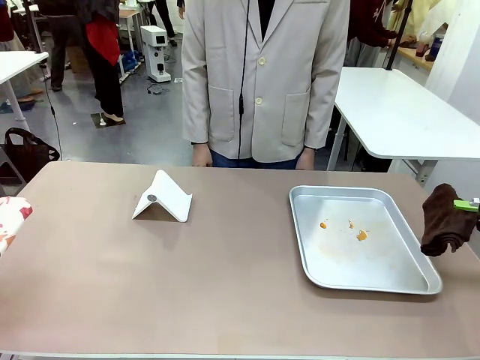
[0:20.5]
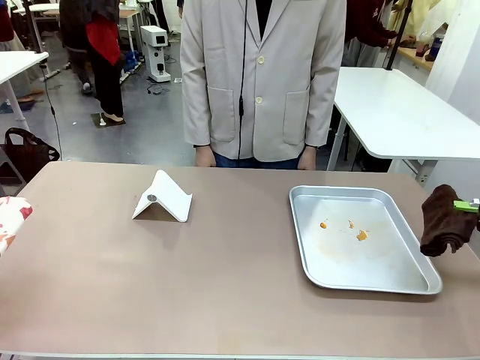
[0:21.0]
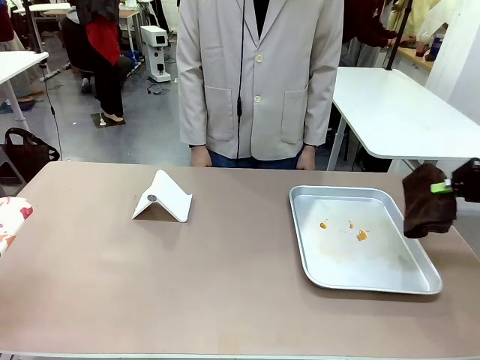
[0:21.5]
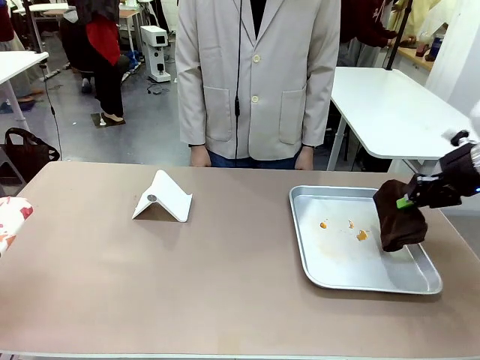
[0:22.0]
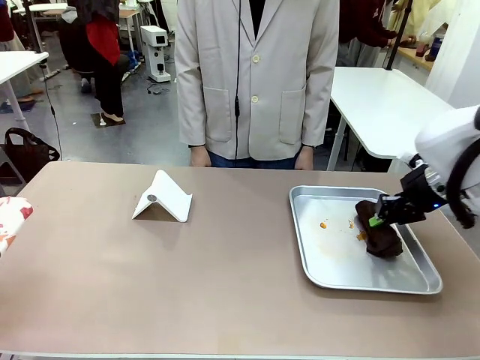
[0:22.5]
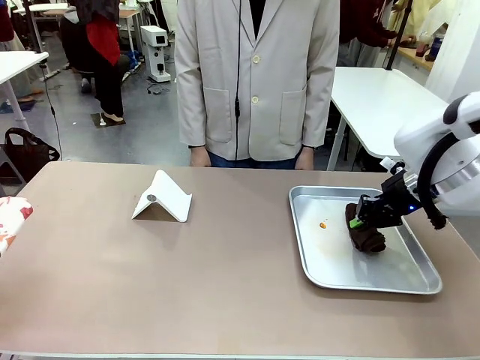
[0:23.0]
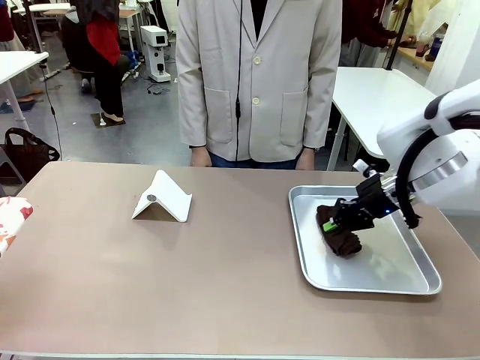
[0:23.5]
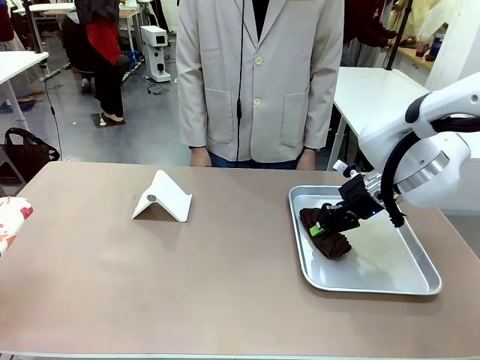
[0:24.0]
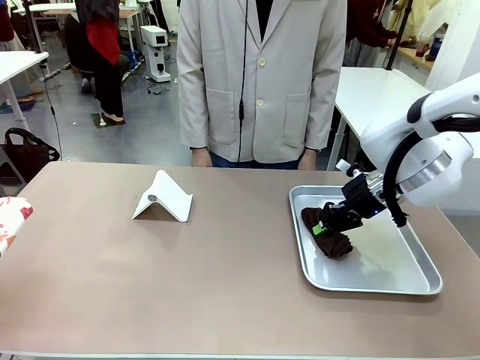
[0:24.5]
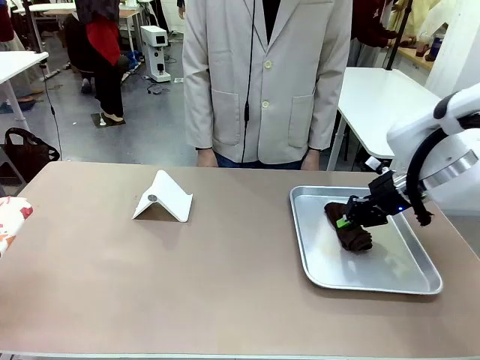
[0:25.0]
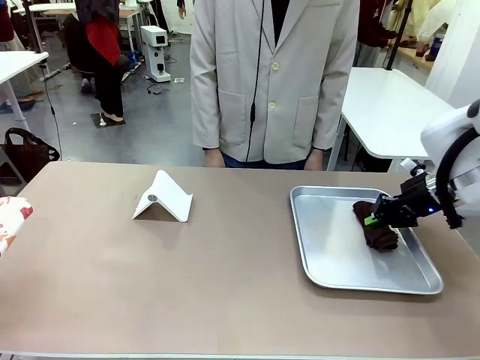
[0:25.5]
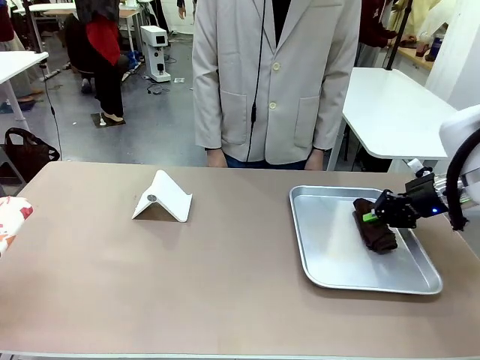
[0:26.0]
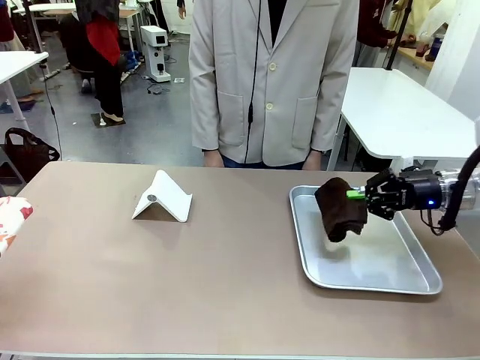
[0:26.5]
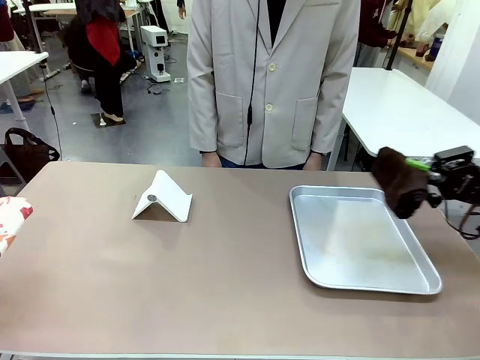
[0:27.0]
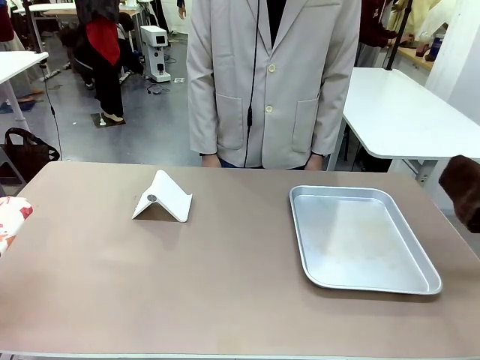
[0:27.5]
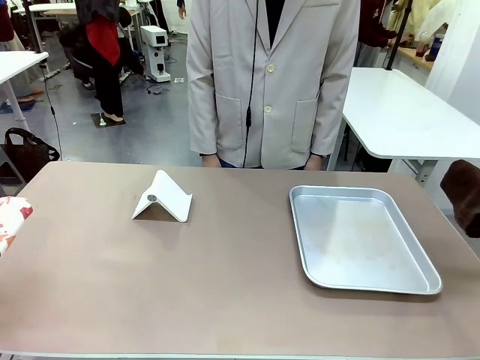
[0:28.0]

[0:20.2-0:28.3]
Task: Clean the surface of the table.
Robot: Clean the area not pointed to by the person.

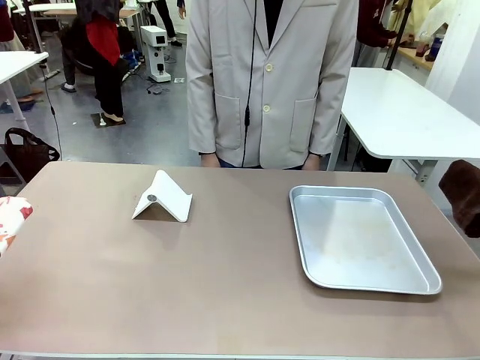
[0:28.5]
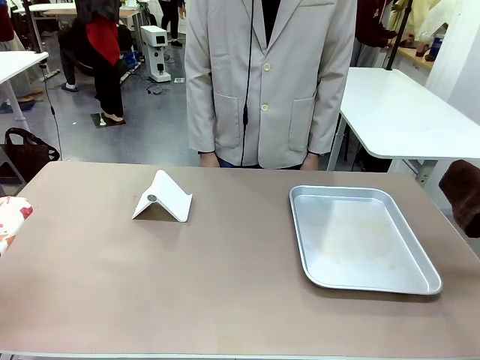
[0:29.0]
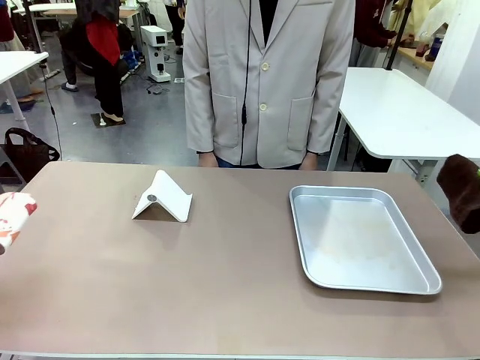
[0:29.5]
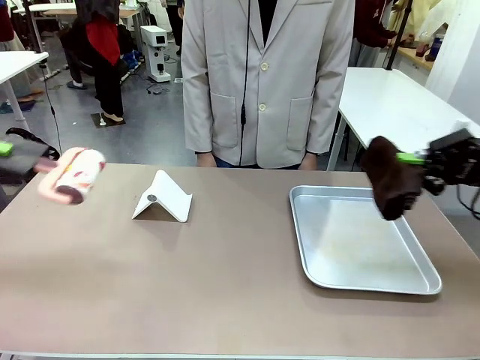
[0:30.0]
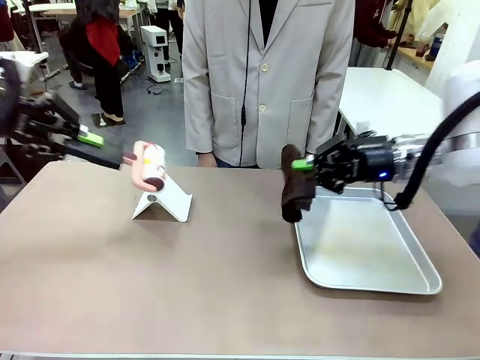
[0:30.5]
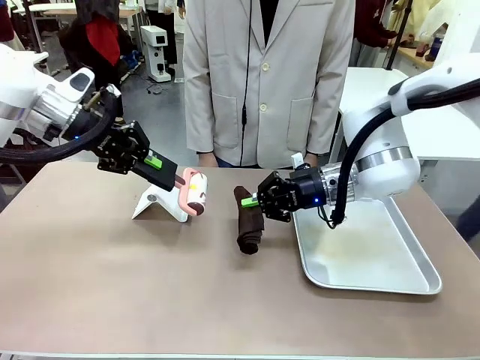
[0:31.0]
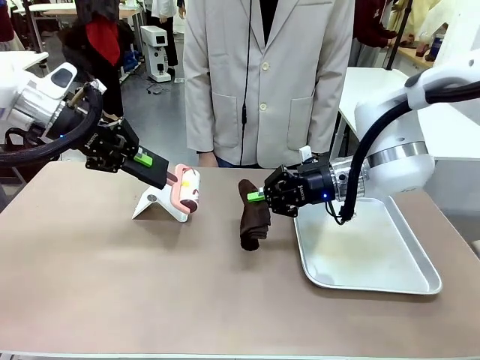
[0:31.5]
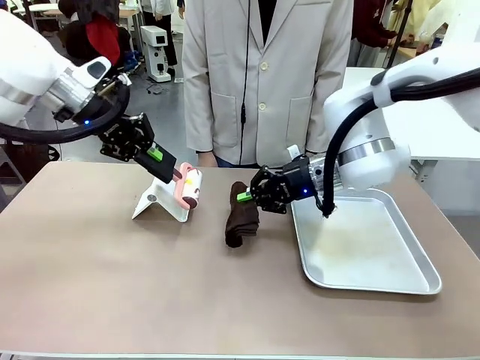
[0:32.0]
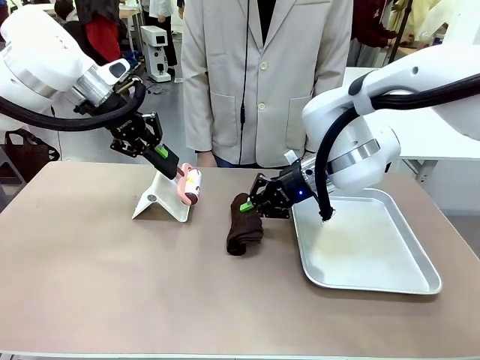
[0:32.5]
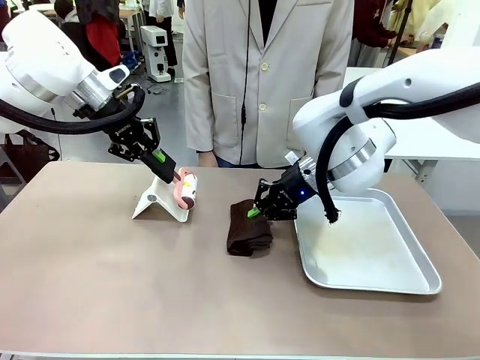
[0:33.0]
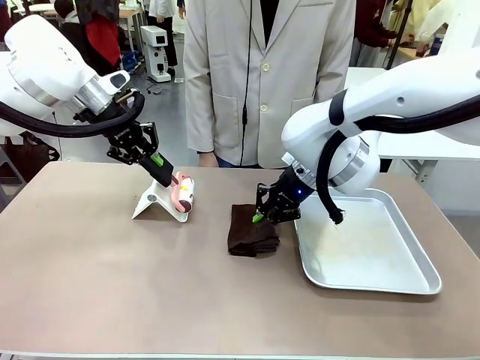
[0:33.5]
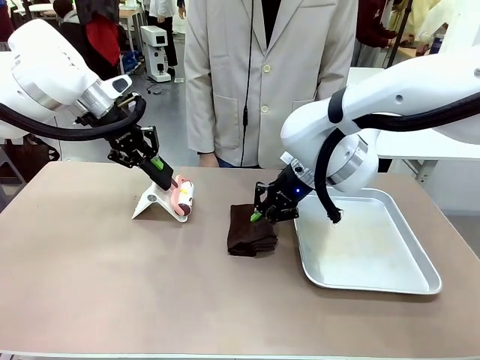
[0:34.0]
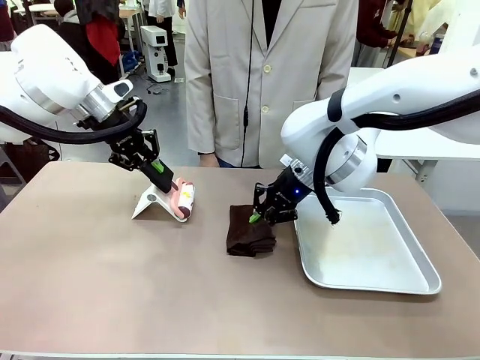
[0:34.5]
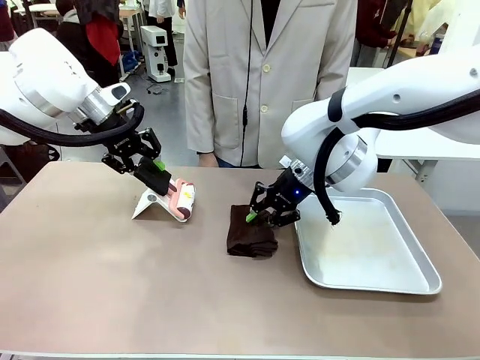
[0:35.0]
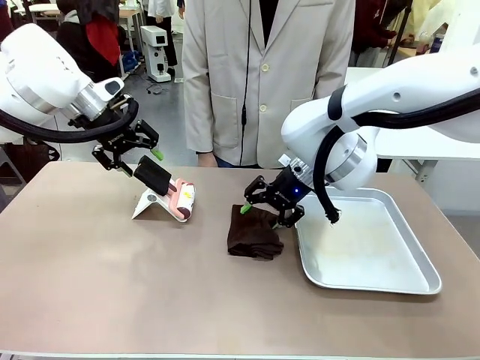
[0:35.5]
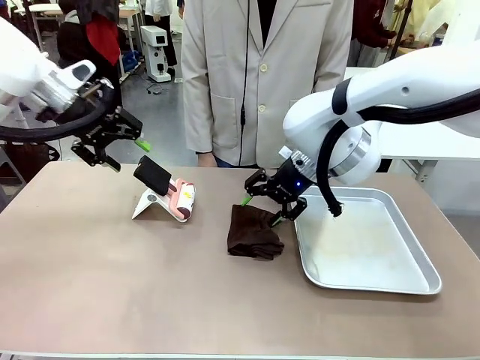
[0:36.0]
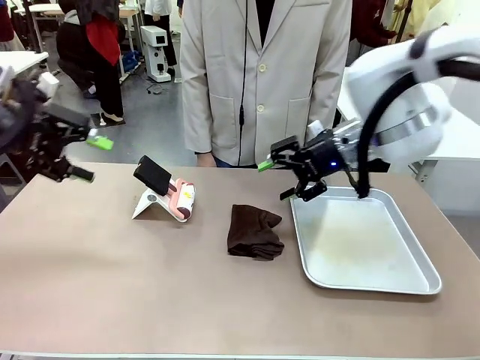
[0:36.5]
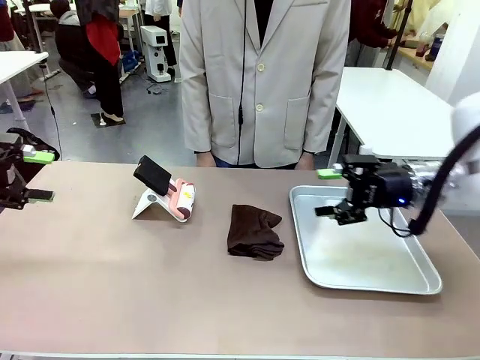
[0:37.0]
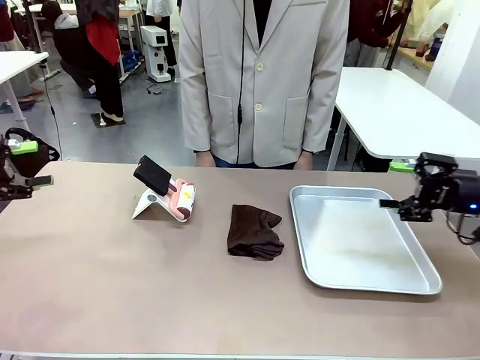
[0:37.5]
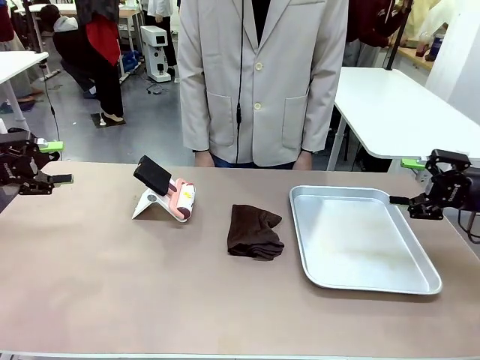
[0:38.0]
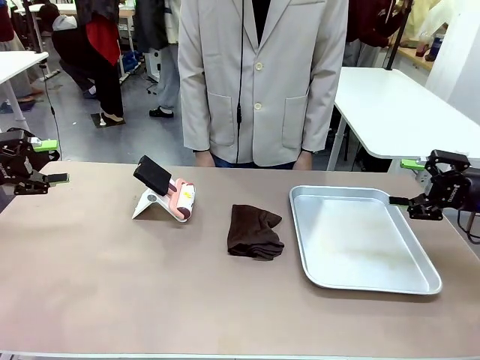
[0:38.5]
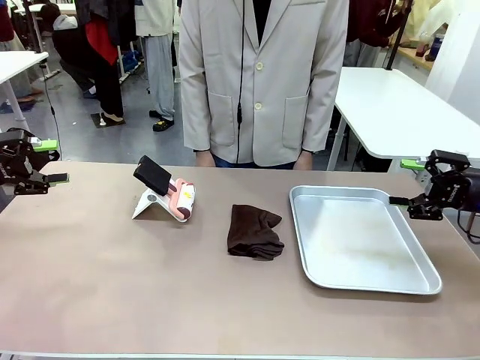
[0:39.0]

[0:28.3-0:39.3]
Robot: Return the Lint Roller and towel to their original positions.

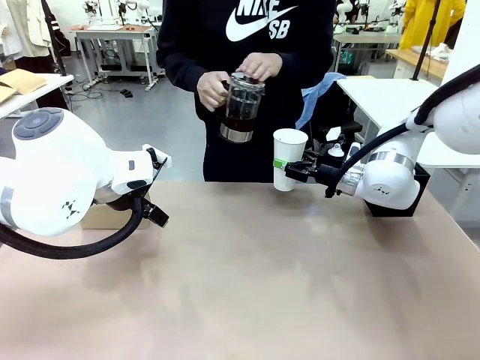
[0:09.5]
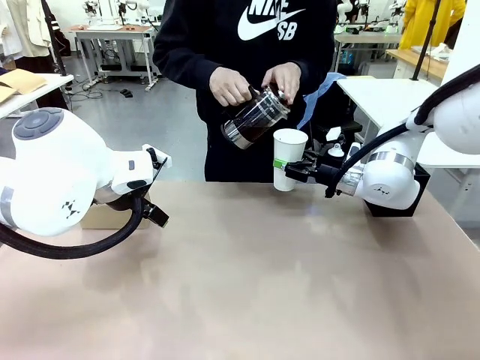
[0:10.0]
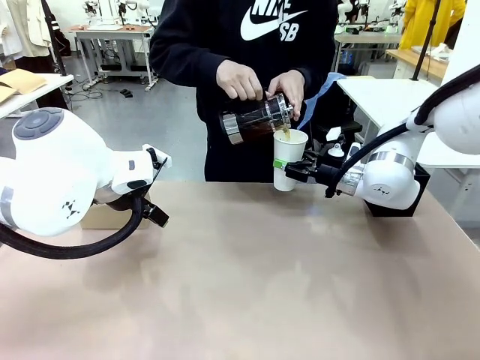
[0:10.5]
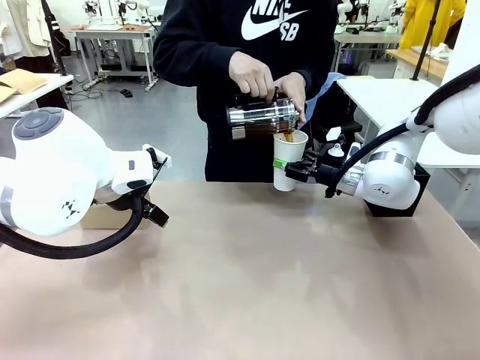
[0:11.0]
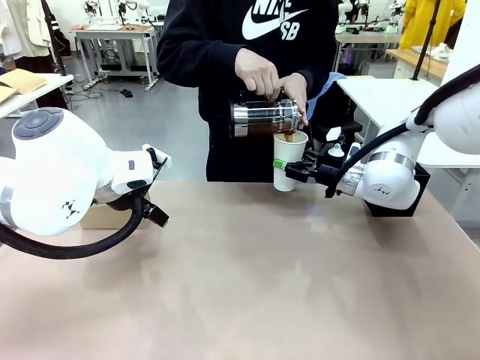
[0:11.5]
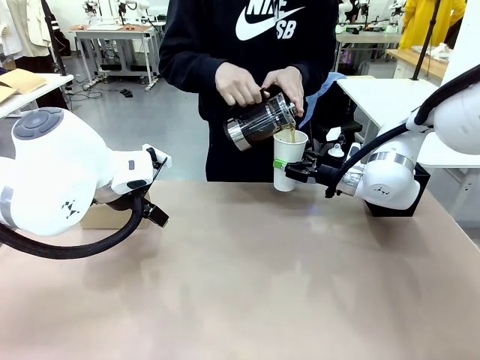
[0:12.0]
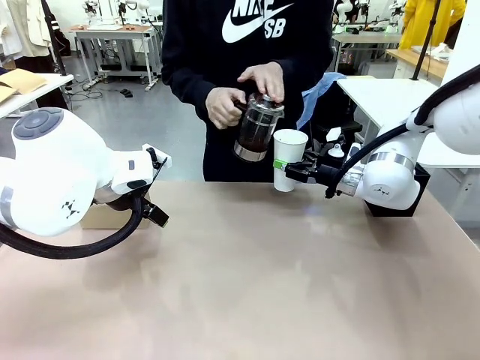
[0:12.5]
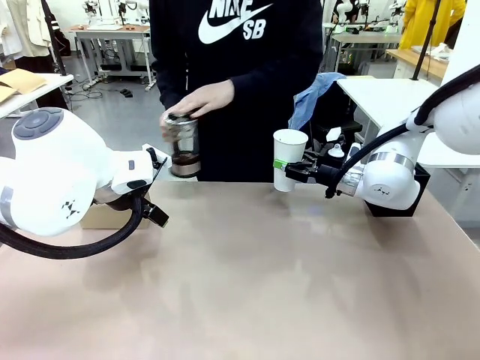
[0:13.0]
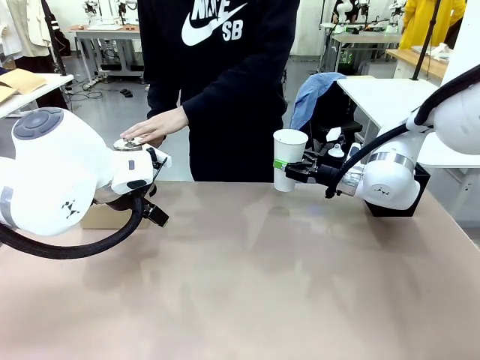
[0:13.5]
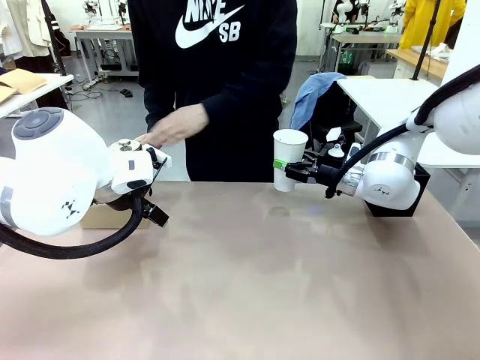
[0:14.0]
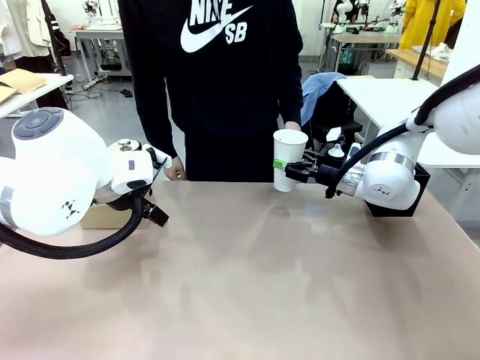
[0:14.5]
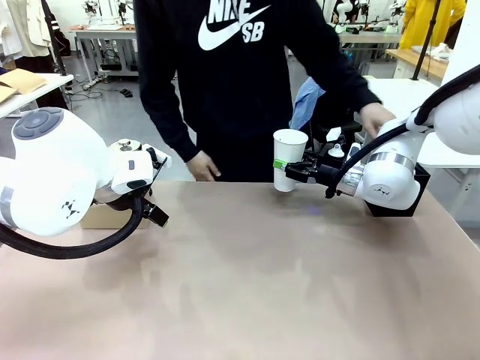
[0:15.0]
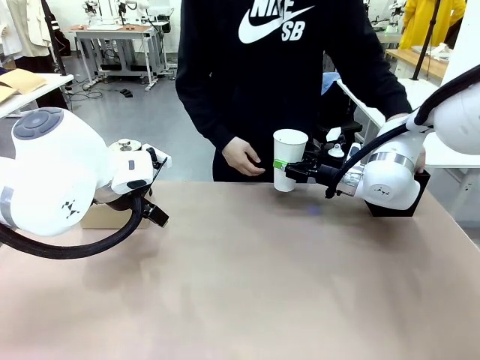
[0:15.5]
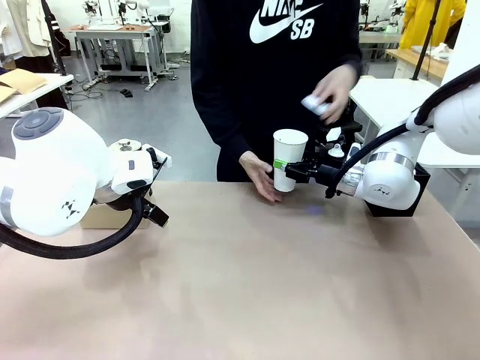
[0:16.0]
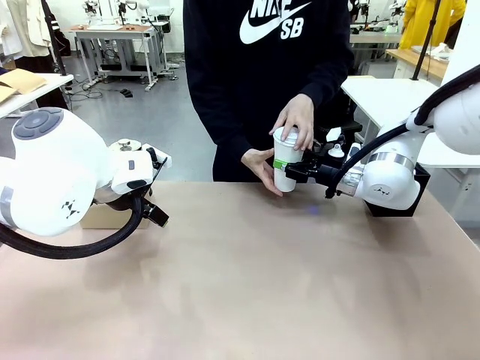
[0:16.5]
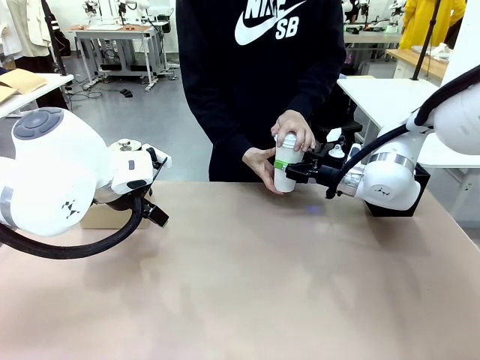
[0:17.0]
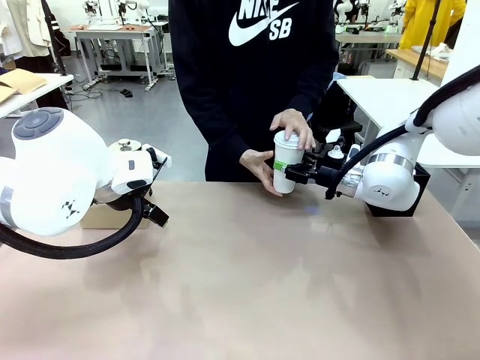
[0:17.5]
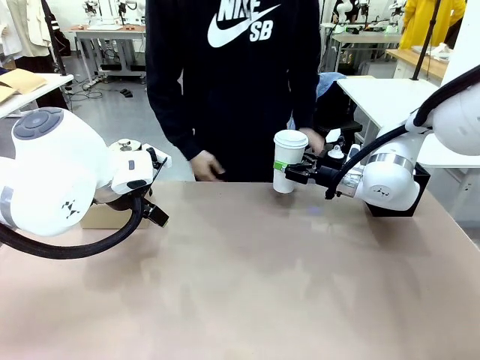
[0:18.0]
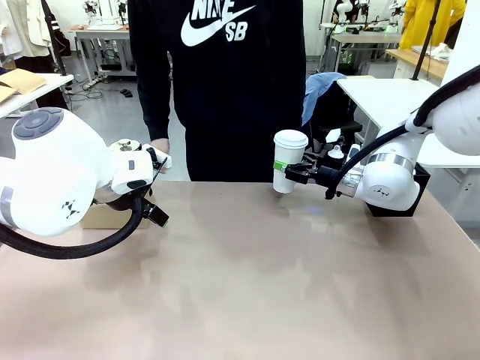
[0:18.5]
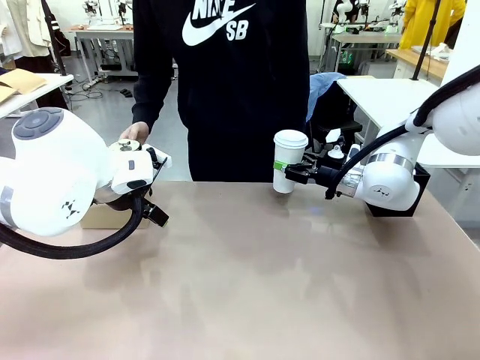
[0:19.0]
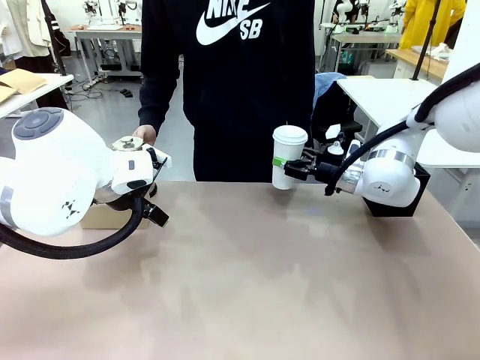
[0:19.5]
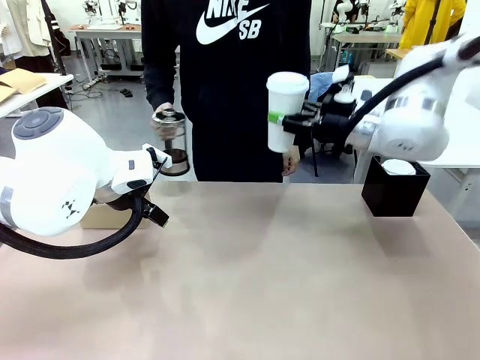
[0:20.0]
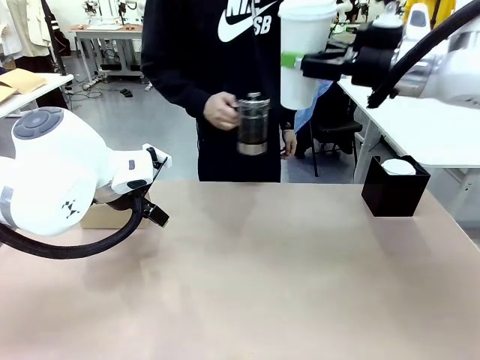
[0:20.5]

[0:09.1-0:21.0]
Task: Pour a drink into a cup and package it in a carrier.
Robot: When a person places the Paper Cup Lid on the 600 ml Paper Cup , lift the 600 ml Paper Cup.
Person: Pour the drink from the Filter Brewing into the 600 ml Paper Cup. Place a Paper Cup Lid on the 600 ml Paper Cup.
